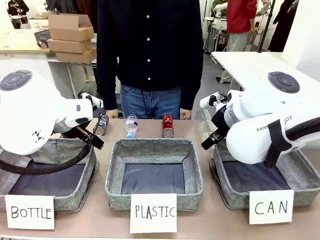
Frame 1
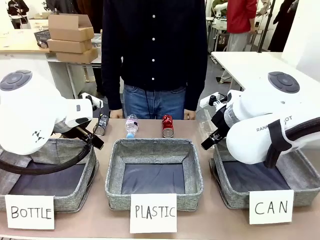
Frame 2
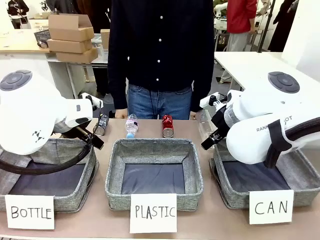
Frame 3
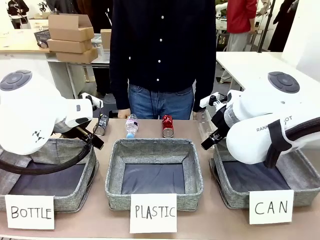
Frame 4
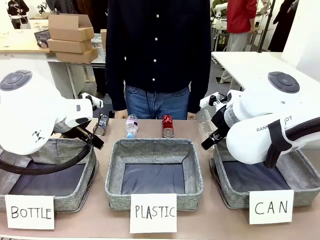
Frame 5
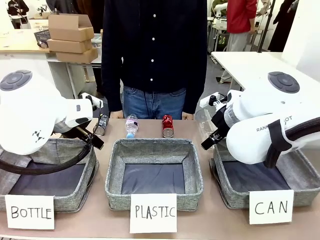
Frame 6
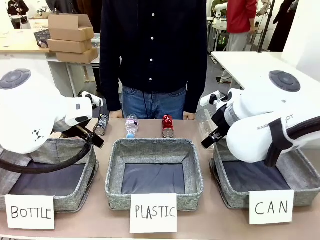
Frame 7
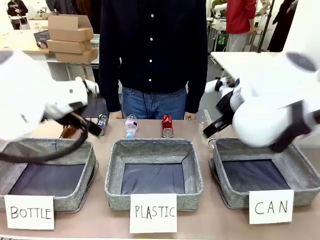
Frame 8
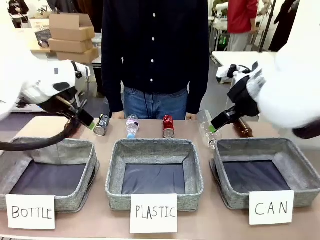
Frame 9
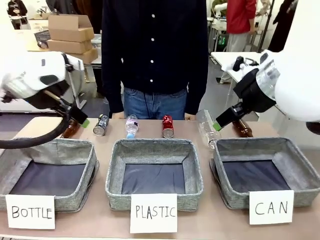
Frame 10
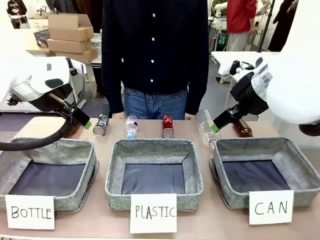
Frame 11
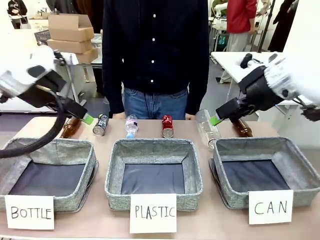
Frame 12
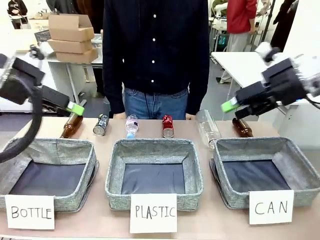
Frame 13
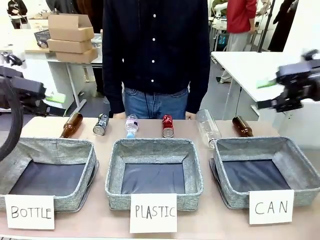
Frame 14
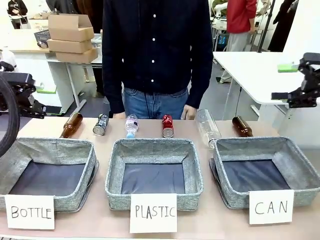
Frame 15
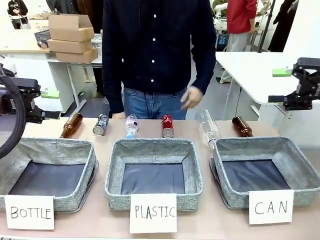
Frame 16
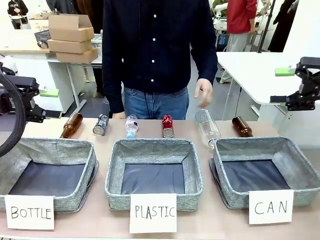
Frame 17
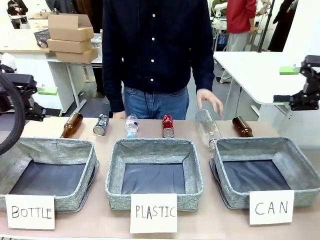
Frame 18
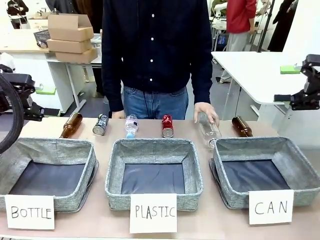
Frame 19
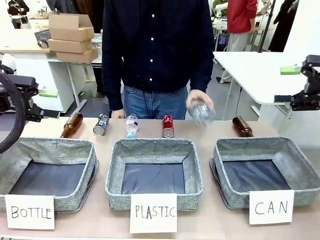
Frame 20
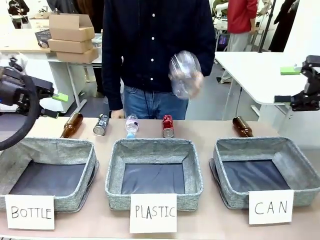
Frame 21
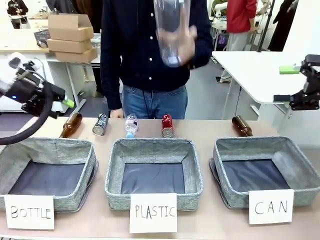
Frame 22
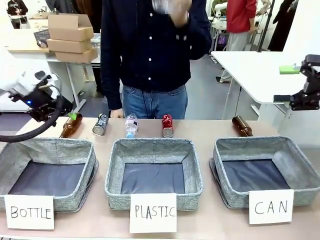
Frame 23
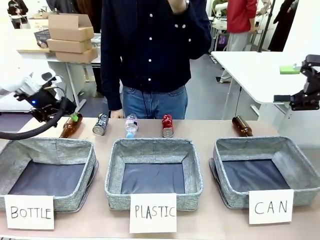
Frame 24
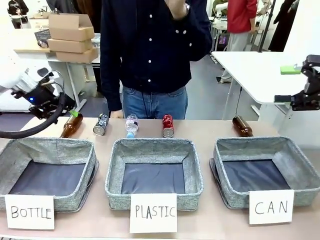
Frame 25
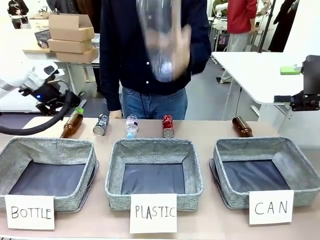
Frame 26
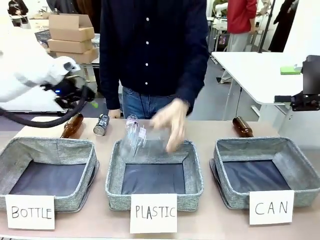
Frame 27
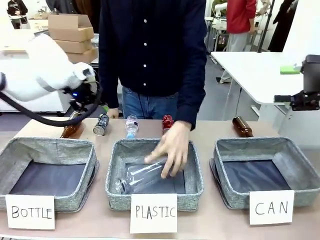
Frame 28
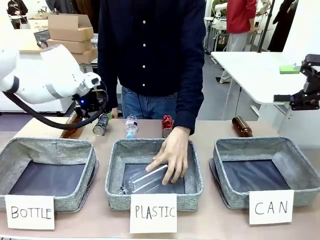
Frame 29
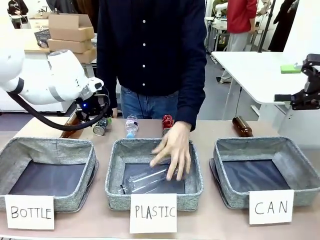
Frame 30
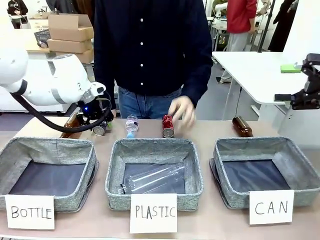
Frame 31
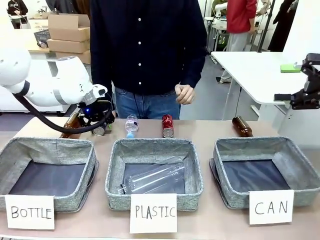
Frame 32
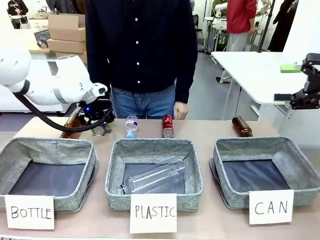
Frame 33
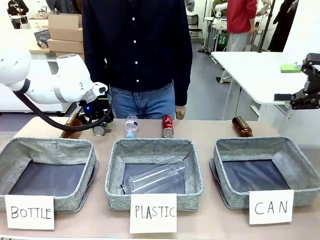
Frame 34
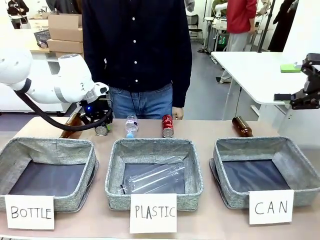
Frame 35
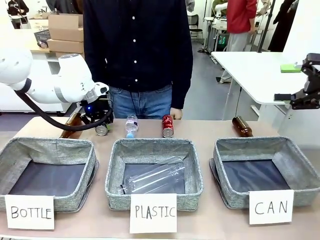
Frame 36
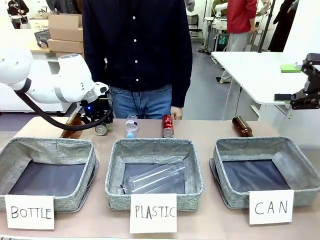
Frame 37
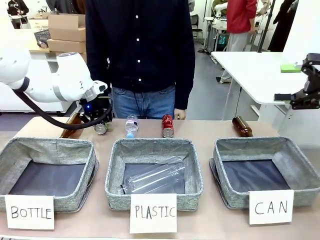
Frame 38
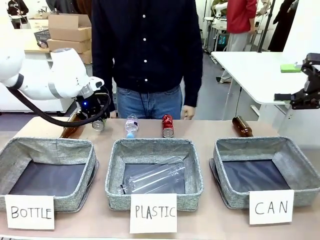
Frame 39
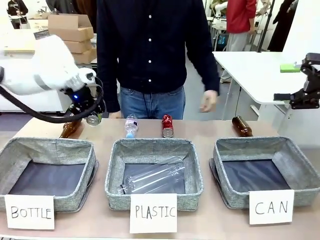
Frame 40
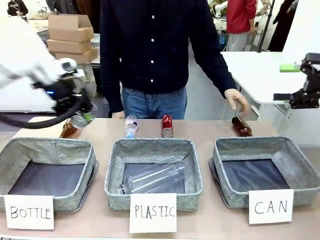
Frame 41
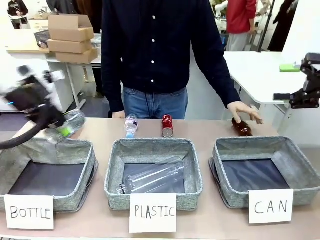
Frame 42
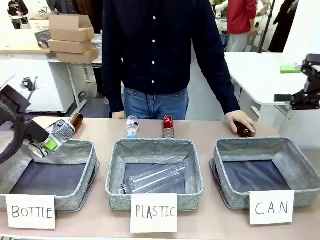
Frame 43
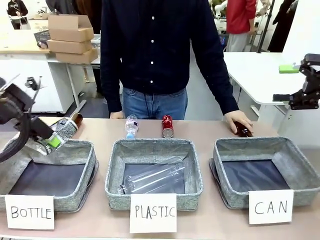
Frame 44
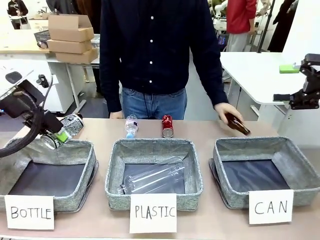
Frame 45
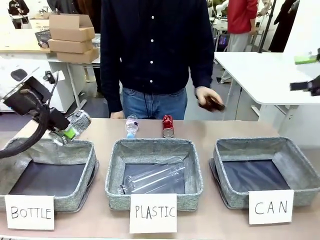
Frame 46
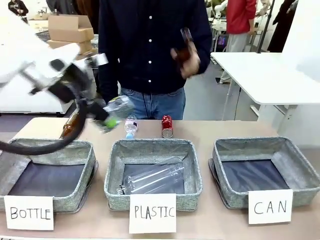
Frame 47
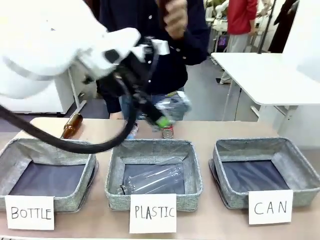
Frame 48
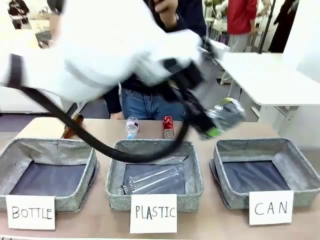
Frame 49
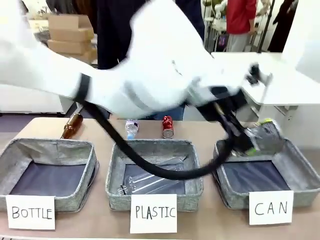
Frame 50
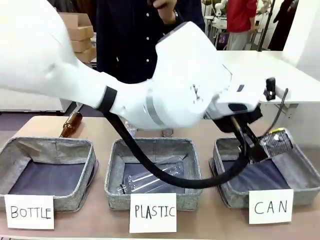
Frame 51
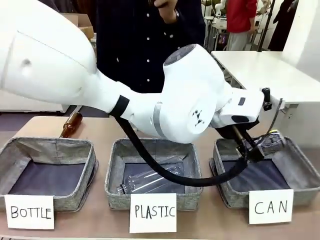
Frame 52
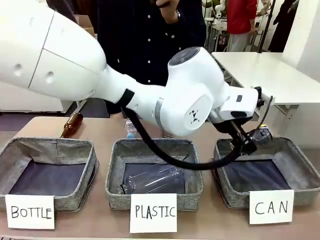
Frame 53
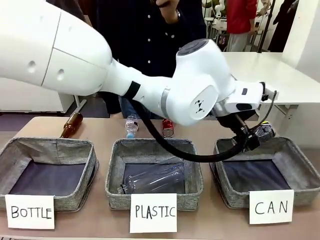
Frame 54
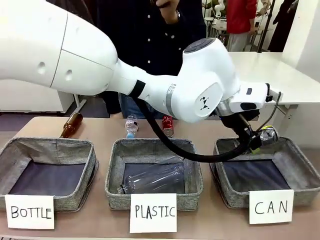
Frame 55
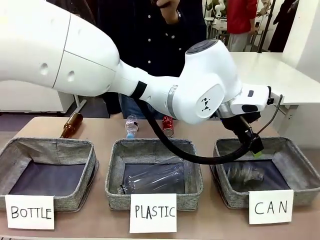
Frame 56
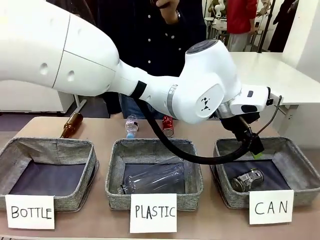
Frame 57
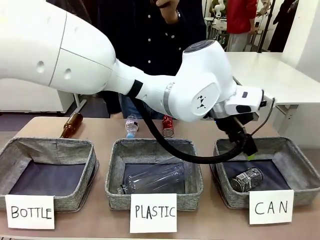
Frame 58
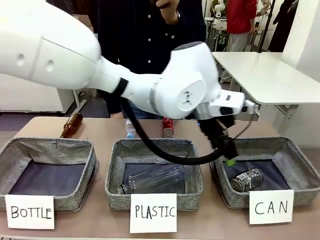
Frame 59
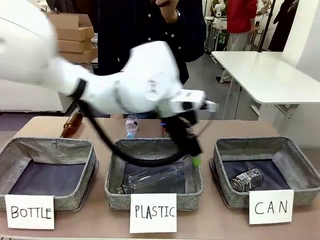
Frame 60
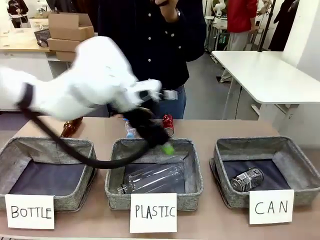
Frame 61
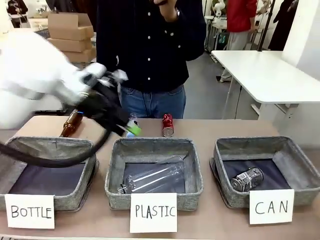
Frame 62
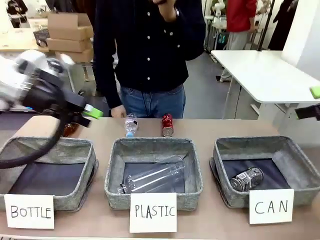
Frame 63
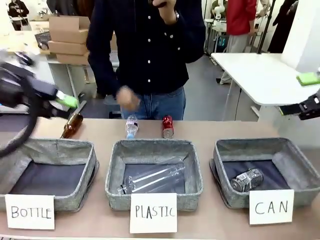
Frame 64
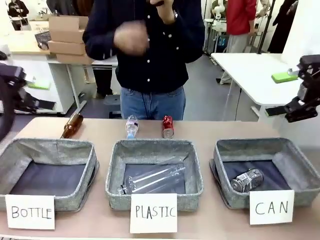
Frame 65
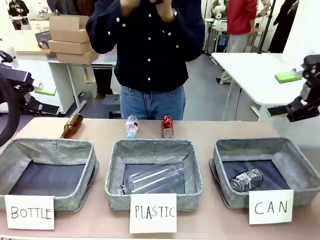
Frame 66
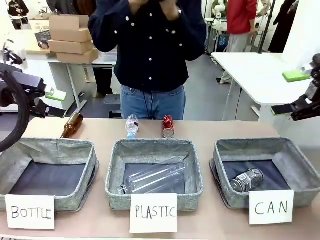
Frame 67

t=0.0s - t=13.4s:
Task: Sort the can waste into the basket.
Robot: Pick up the can waste from the table and place it in the right Fabric basket.
